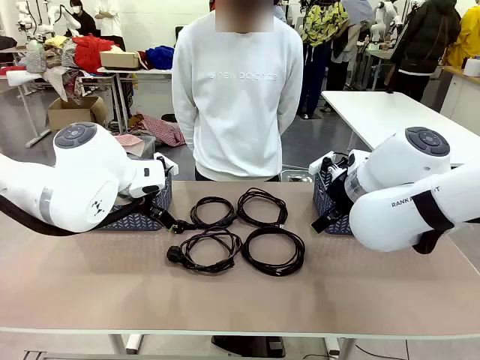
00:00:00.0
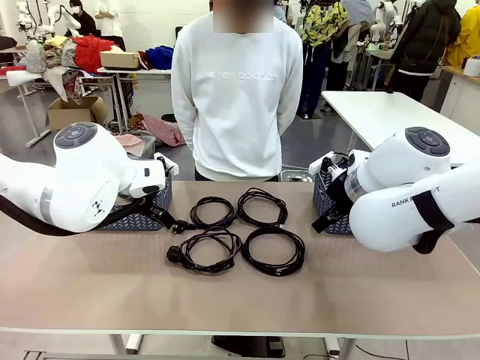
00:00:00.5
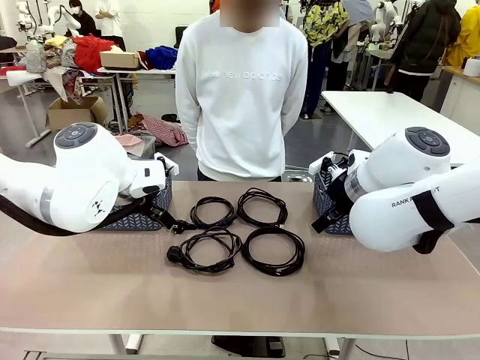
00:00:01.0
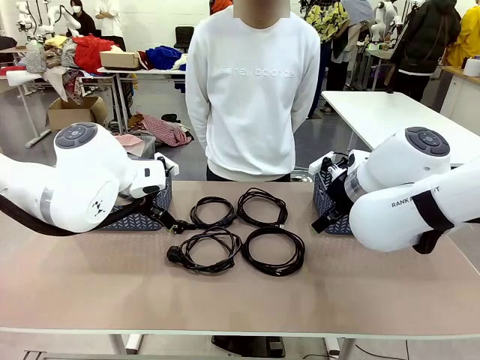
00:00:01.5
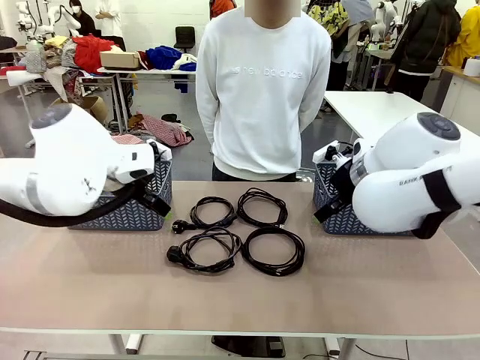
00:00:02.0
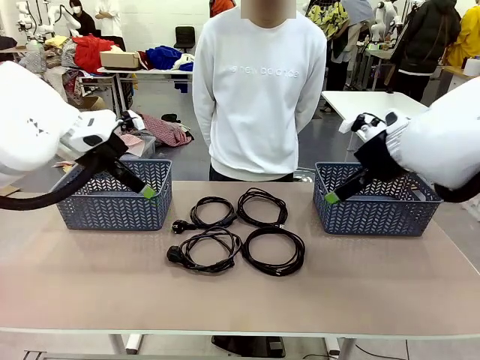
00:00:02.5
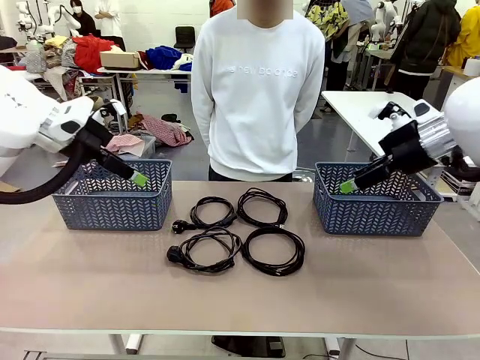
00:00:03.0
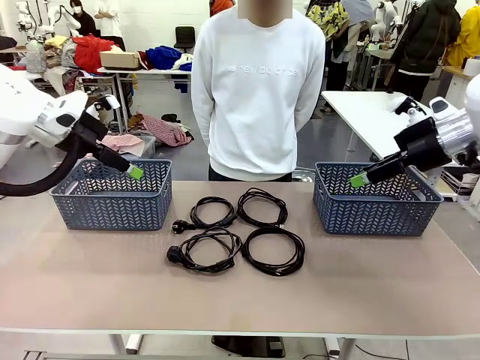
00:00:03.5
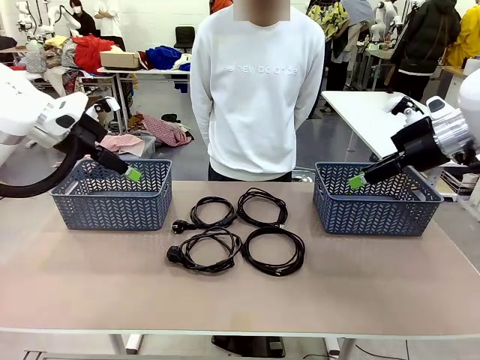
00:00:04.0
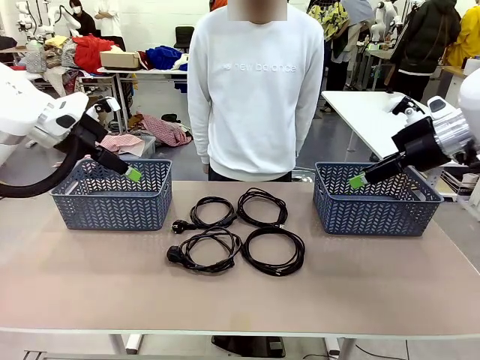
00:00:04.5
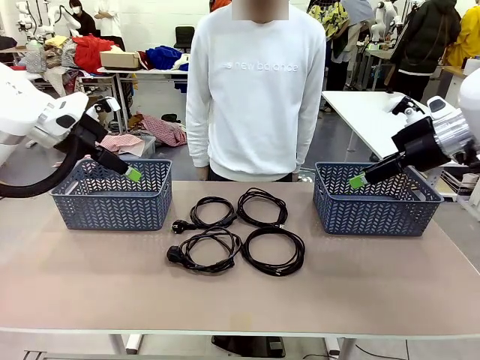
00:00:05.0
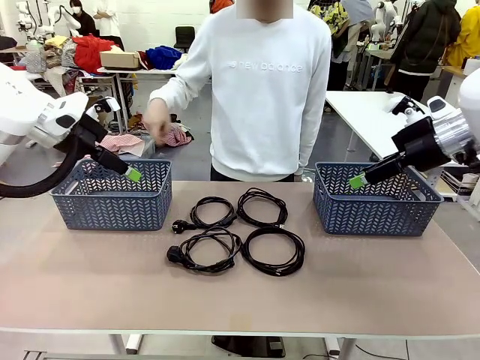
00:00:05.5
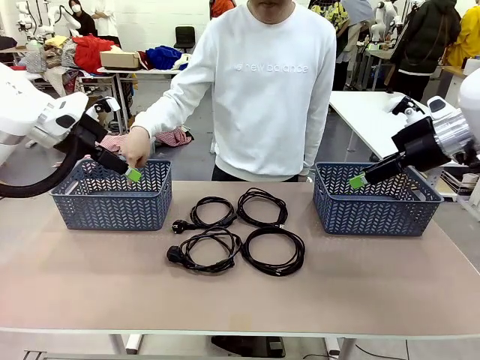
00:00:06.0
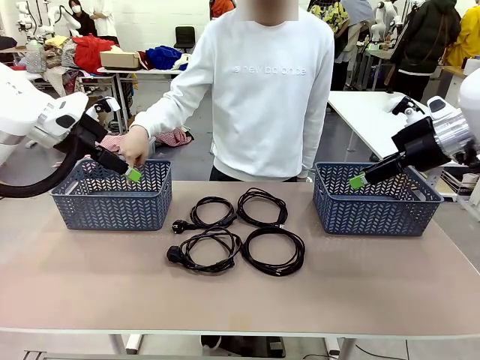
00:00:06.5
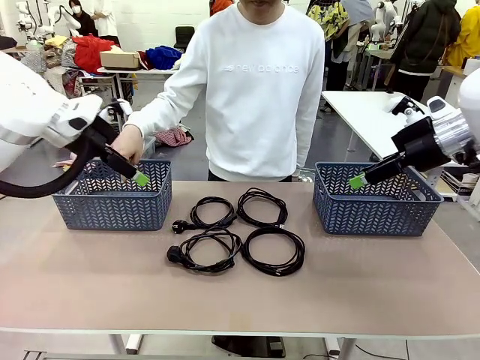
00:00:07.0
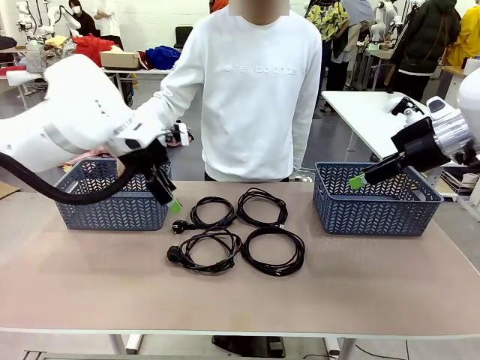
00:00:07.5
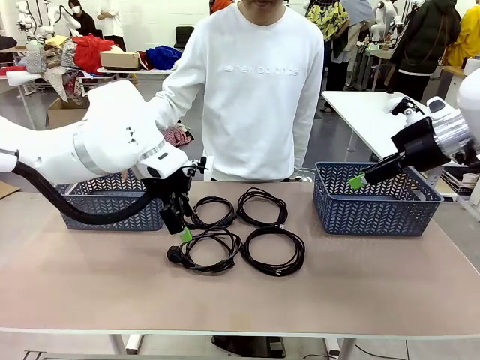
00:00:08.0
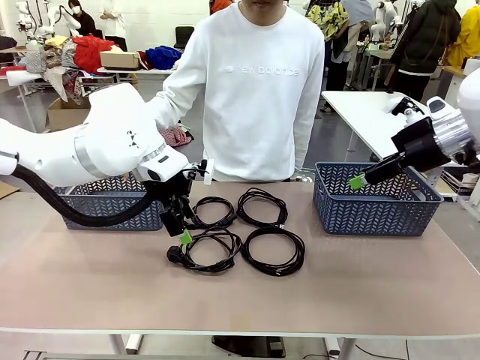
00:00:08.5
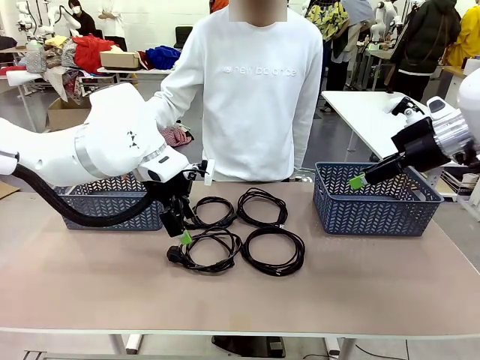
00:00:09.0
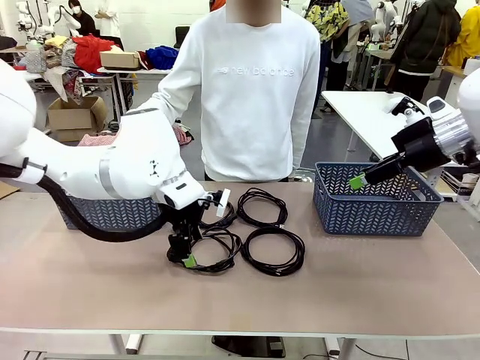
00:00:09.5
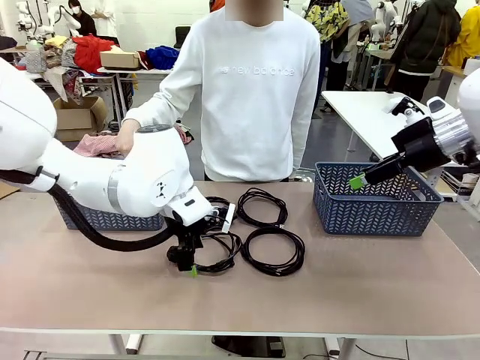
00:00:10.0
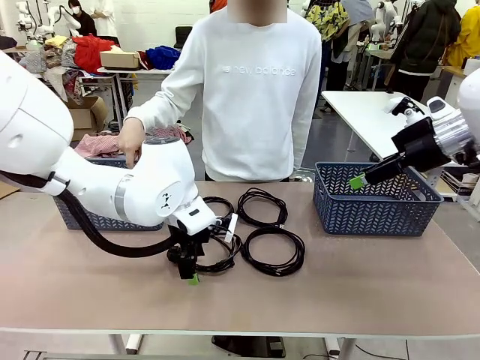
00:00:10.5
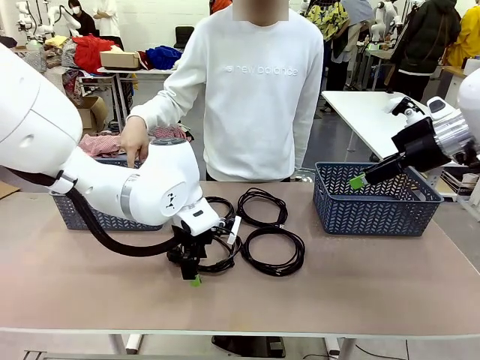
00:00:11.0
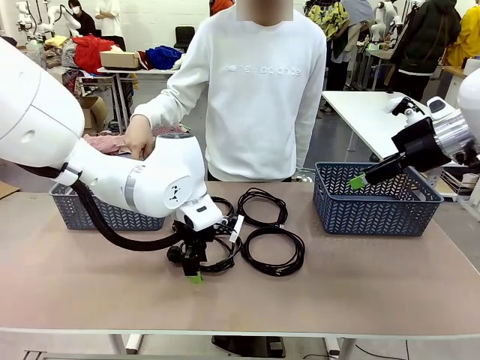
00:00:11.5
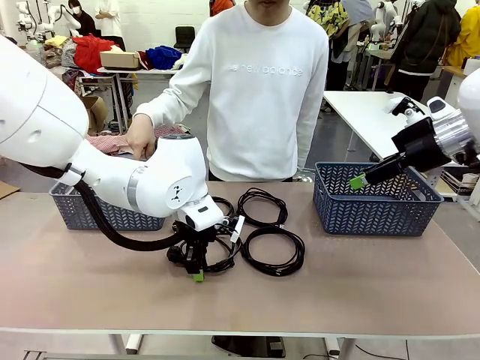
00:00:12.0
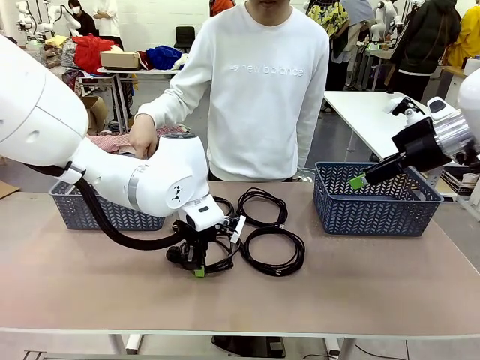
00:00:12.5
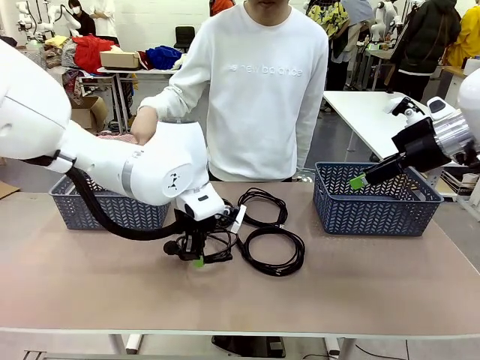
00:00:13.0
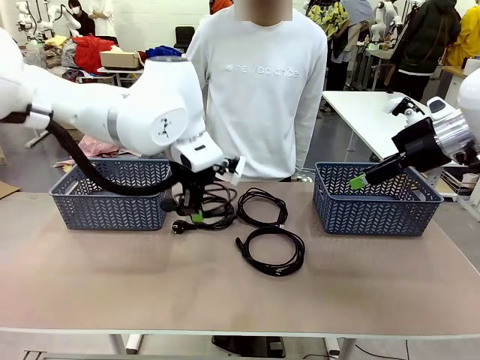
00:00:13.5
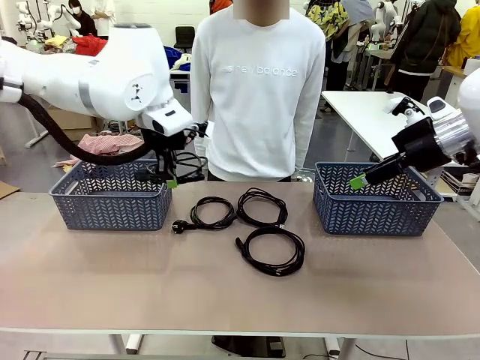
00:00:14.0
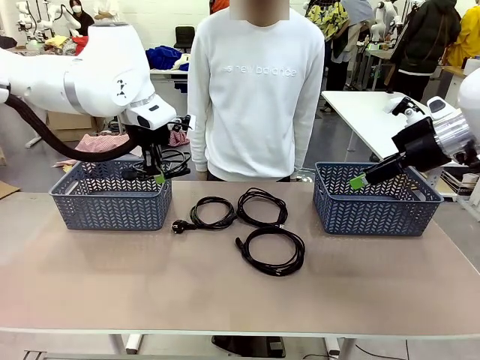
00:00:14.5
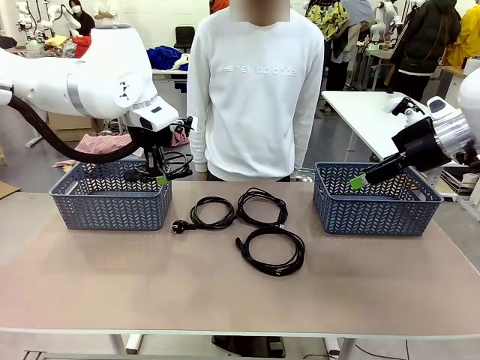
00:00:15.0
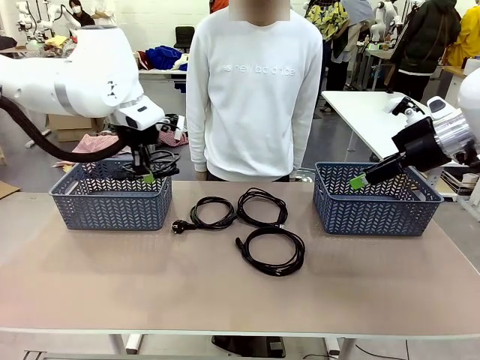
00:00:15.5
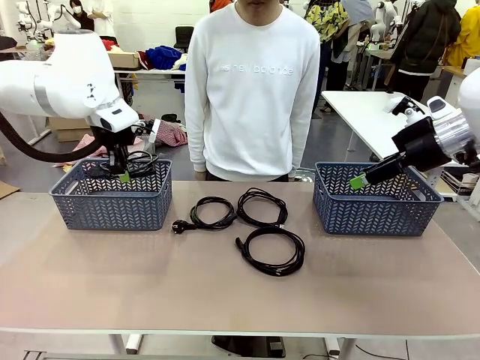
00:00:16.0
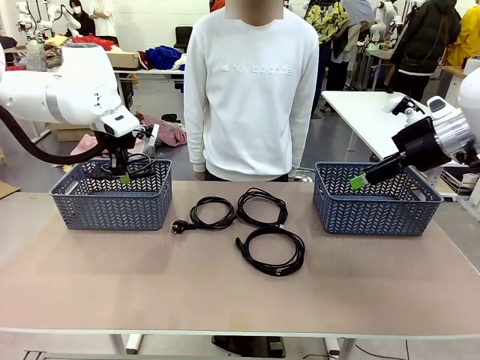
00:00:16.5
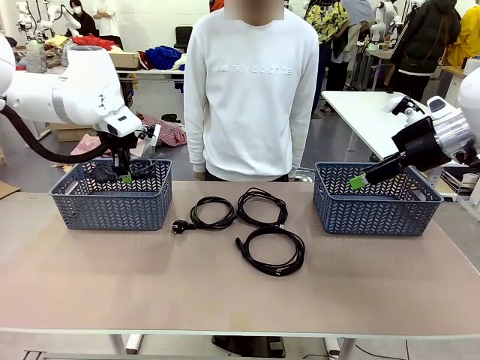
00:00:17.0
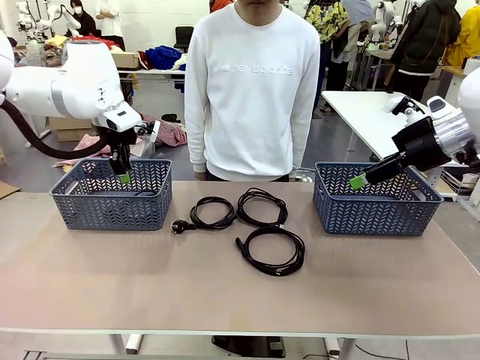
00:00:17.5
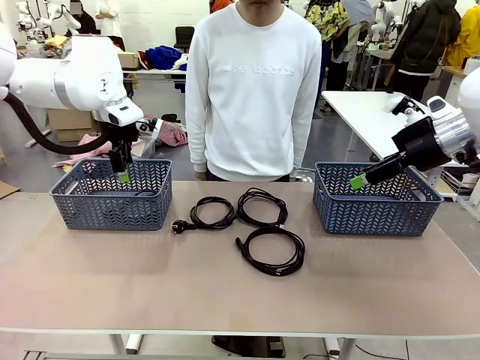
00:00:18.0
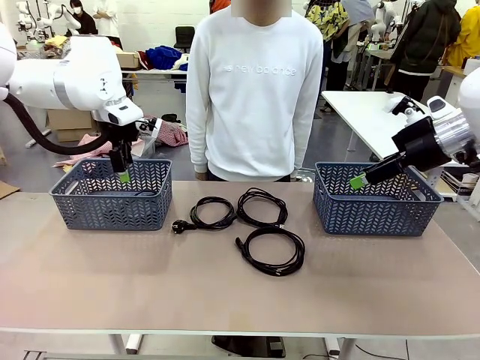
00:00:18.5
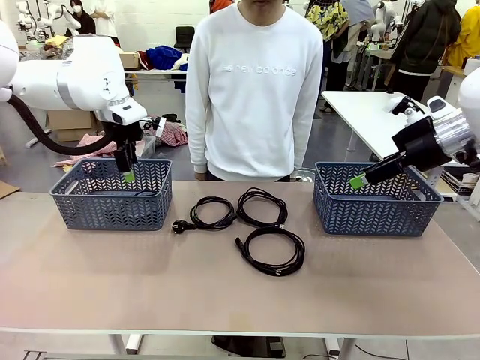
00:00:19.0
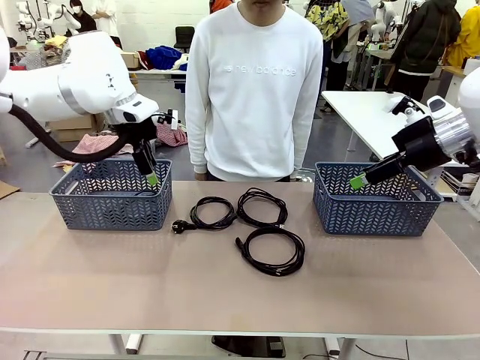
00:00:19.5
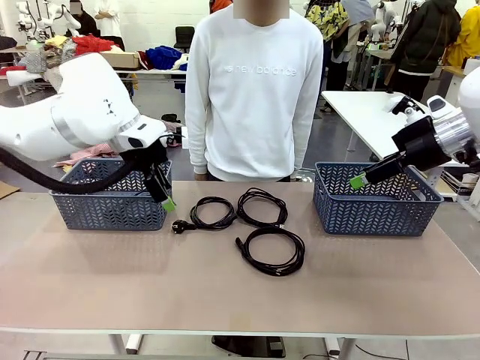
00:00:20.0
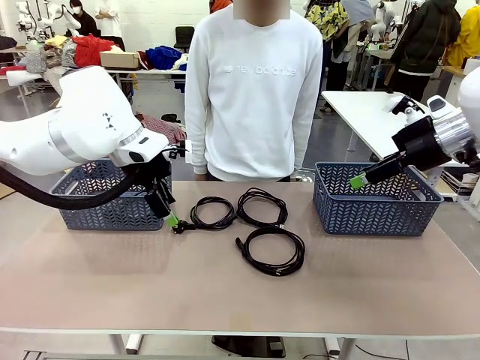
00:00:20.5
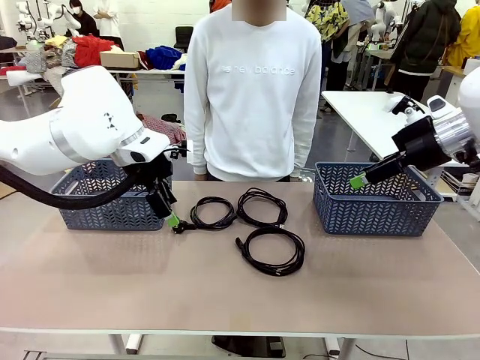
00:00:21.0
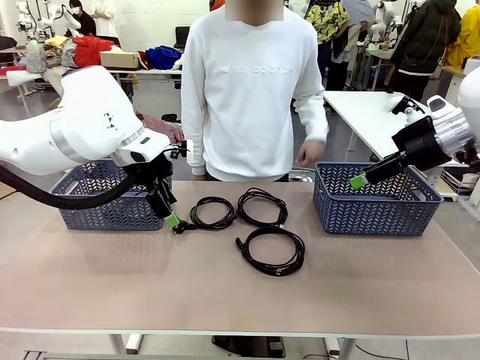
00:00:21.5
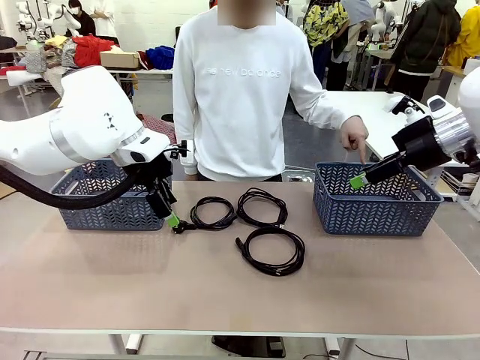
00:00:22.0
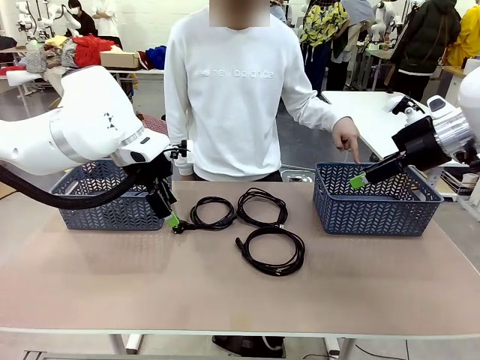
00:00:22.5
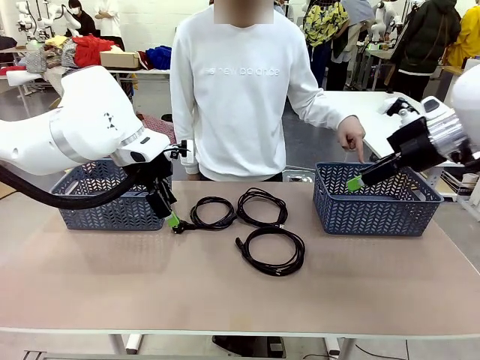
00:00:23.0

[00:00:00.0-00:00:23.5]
Task: Organize the cables according to human instructions.
Robot: Pick up a bundle of cables and place it in the basket indicated by the human.
